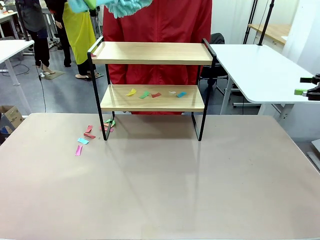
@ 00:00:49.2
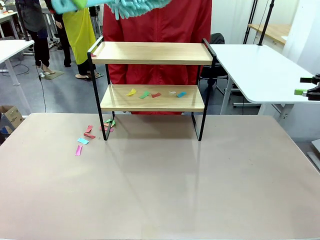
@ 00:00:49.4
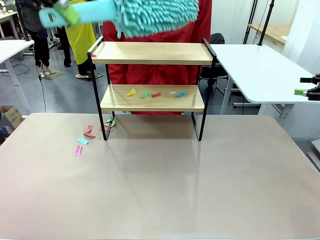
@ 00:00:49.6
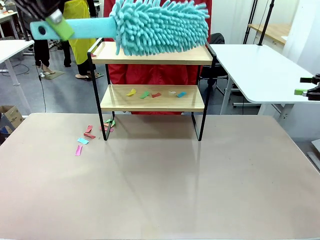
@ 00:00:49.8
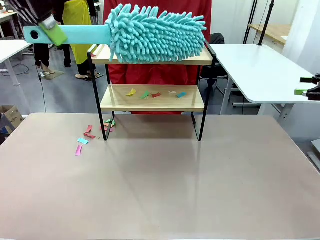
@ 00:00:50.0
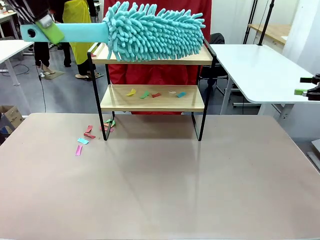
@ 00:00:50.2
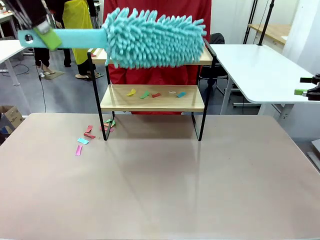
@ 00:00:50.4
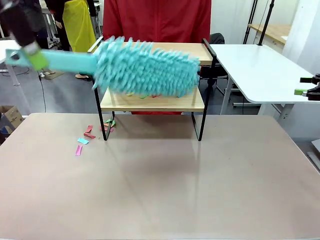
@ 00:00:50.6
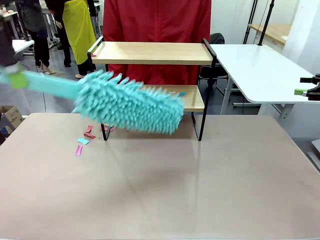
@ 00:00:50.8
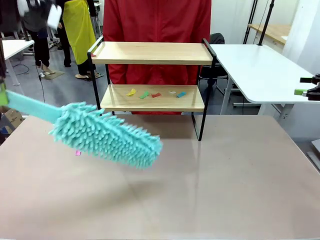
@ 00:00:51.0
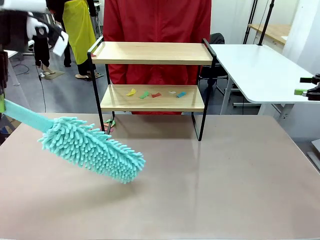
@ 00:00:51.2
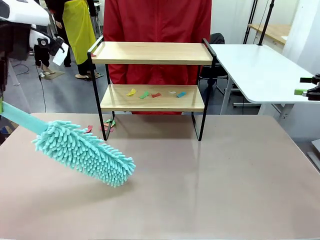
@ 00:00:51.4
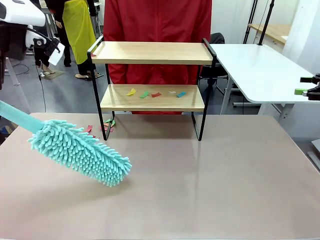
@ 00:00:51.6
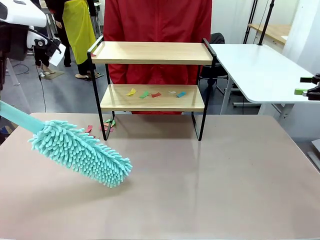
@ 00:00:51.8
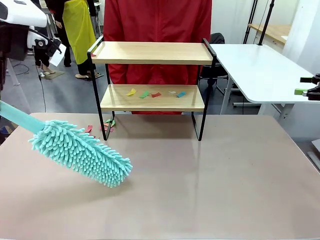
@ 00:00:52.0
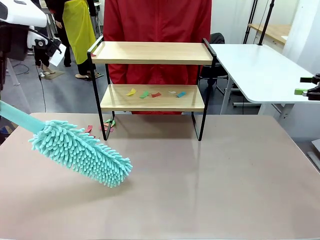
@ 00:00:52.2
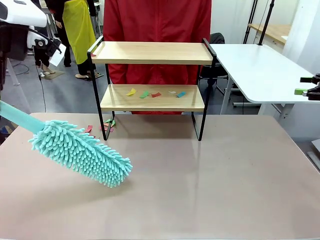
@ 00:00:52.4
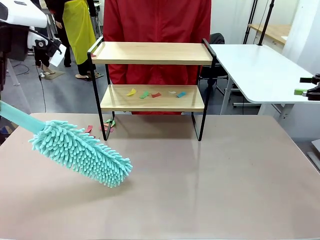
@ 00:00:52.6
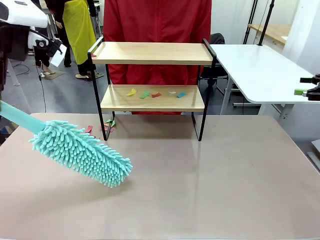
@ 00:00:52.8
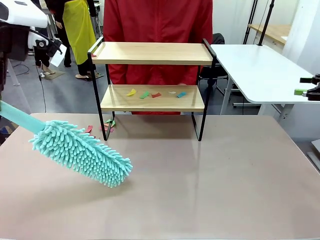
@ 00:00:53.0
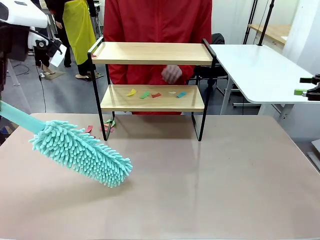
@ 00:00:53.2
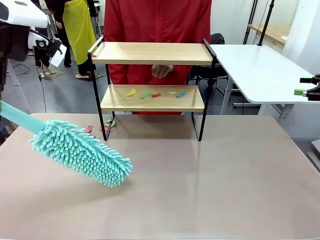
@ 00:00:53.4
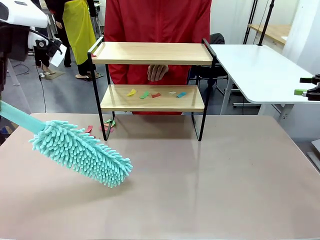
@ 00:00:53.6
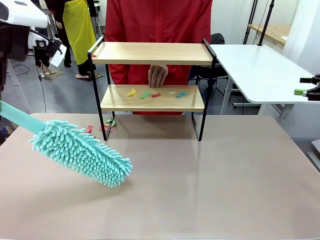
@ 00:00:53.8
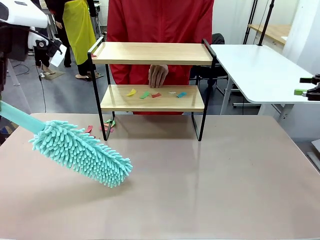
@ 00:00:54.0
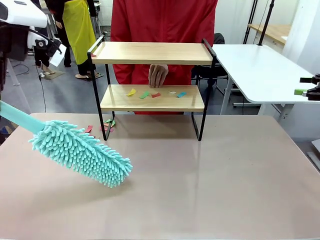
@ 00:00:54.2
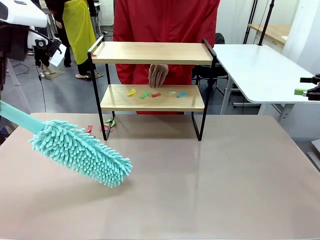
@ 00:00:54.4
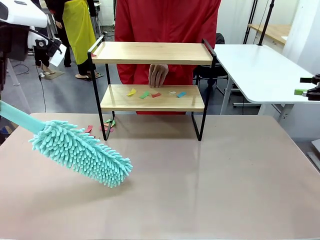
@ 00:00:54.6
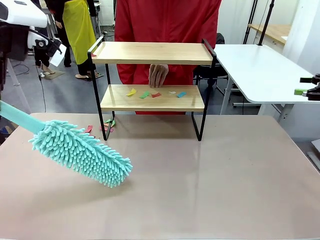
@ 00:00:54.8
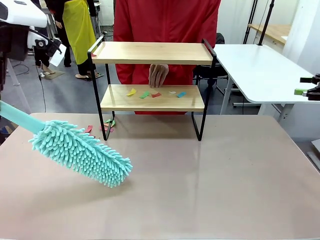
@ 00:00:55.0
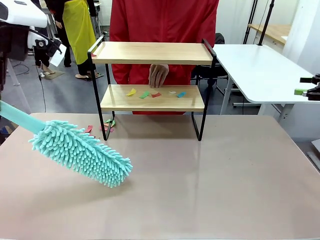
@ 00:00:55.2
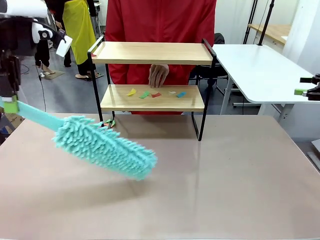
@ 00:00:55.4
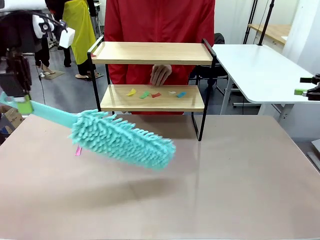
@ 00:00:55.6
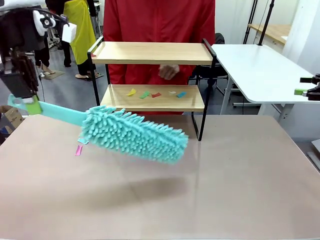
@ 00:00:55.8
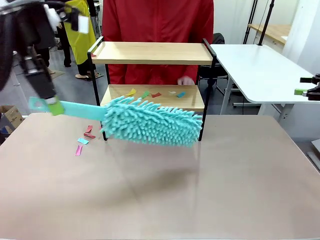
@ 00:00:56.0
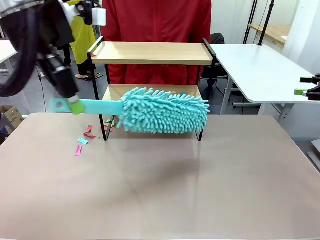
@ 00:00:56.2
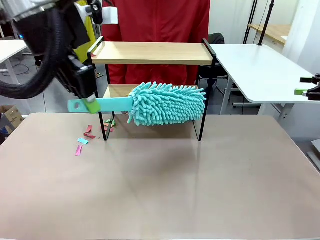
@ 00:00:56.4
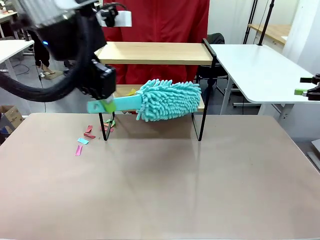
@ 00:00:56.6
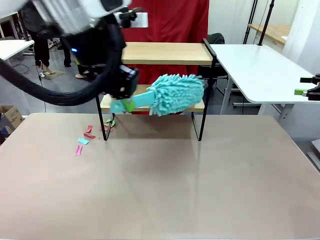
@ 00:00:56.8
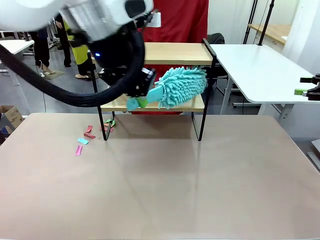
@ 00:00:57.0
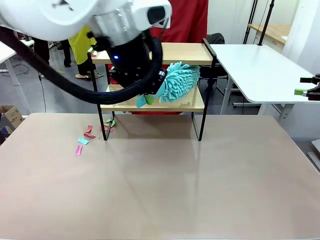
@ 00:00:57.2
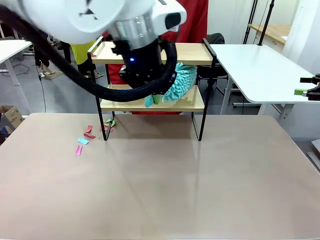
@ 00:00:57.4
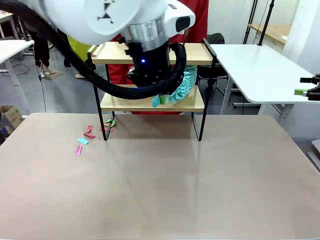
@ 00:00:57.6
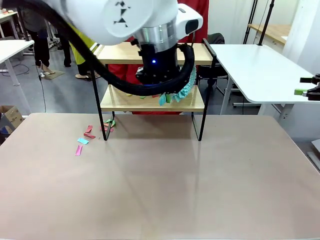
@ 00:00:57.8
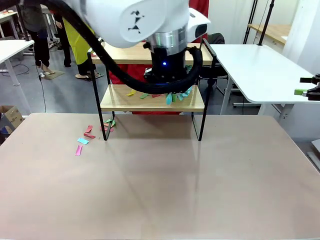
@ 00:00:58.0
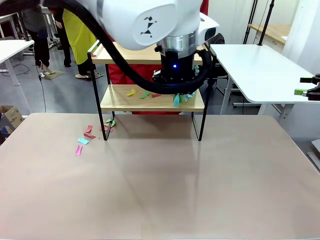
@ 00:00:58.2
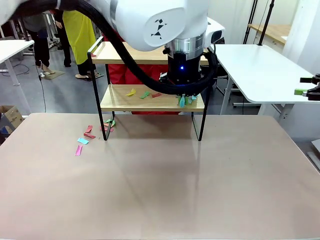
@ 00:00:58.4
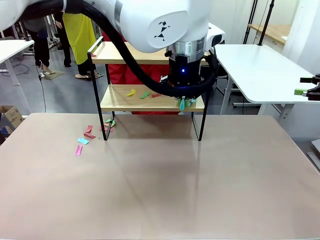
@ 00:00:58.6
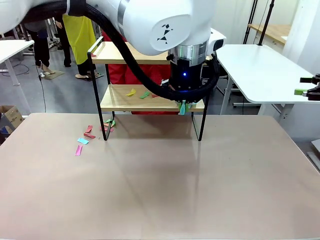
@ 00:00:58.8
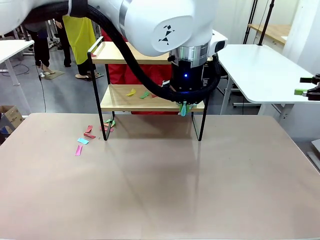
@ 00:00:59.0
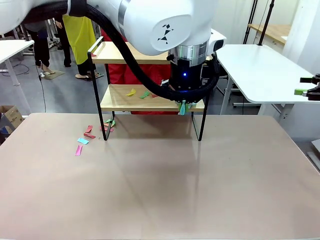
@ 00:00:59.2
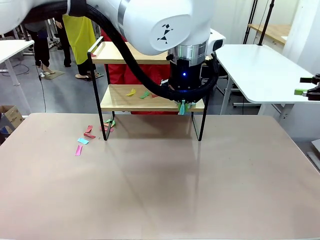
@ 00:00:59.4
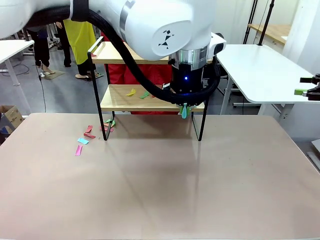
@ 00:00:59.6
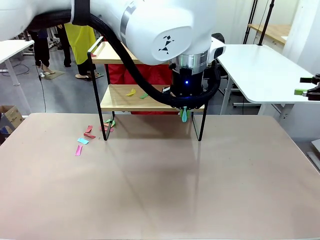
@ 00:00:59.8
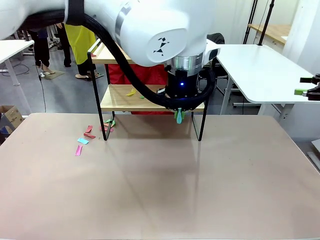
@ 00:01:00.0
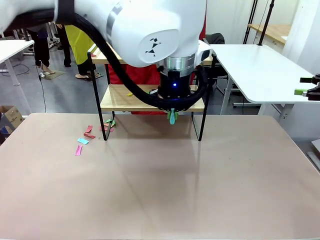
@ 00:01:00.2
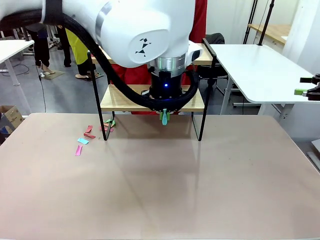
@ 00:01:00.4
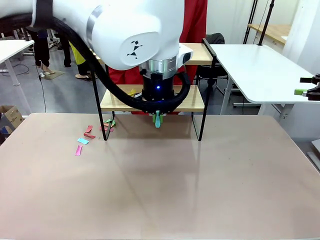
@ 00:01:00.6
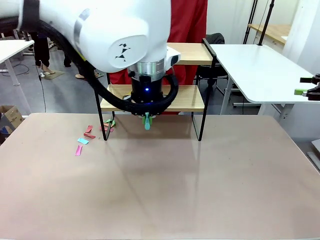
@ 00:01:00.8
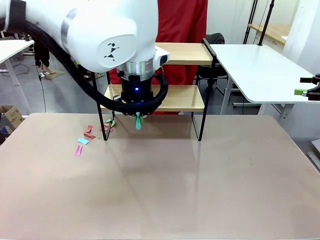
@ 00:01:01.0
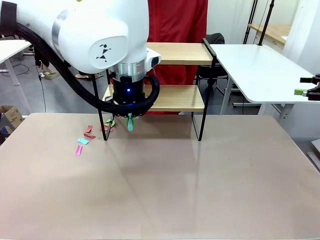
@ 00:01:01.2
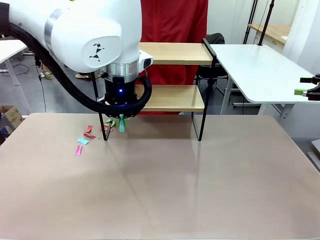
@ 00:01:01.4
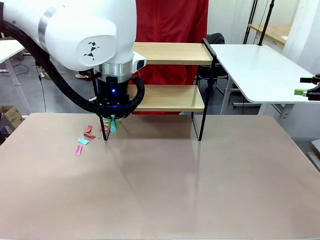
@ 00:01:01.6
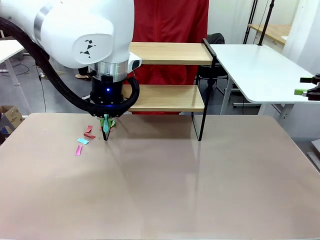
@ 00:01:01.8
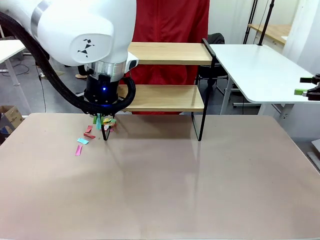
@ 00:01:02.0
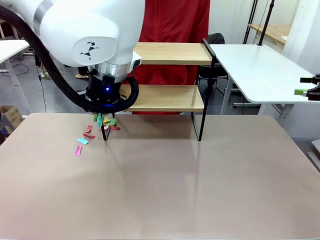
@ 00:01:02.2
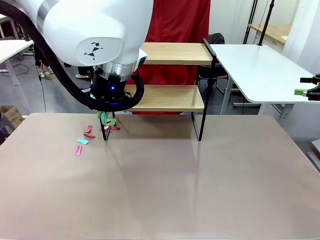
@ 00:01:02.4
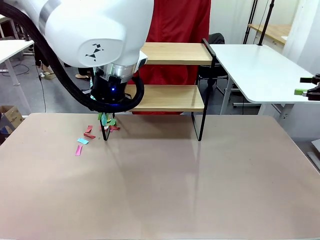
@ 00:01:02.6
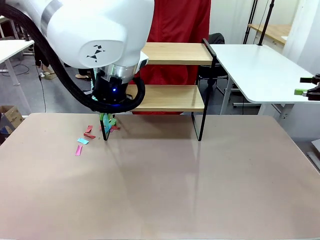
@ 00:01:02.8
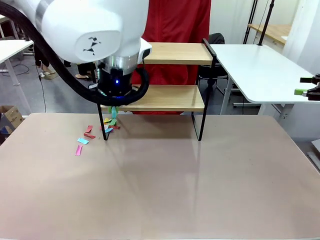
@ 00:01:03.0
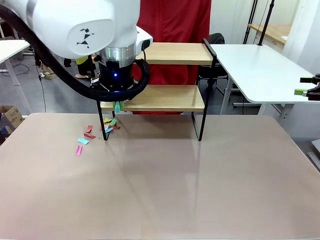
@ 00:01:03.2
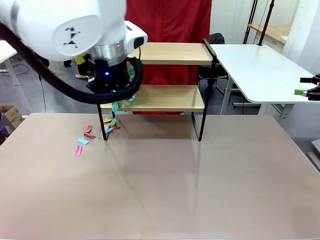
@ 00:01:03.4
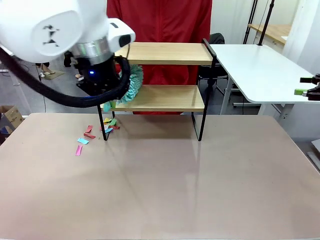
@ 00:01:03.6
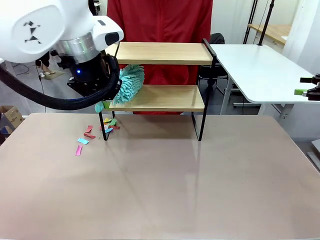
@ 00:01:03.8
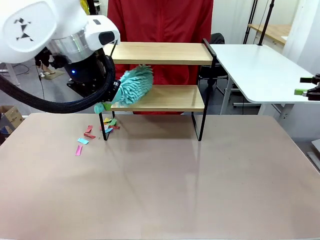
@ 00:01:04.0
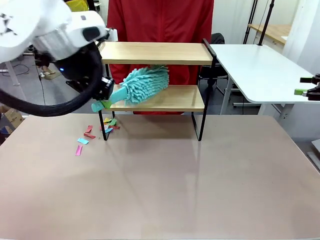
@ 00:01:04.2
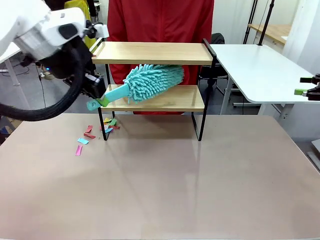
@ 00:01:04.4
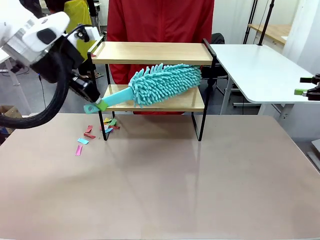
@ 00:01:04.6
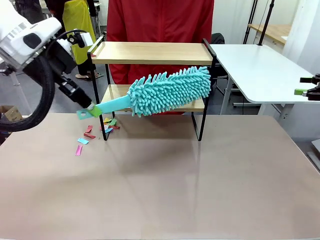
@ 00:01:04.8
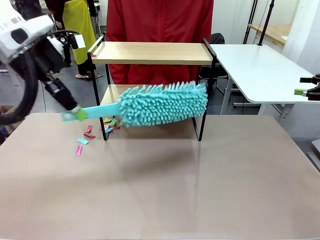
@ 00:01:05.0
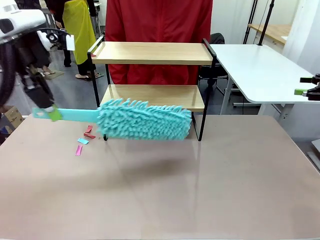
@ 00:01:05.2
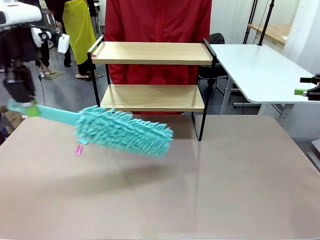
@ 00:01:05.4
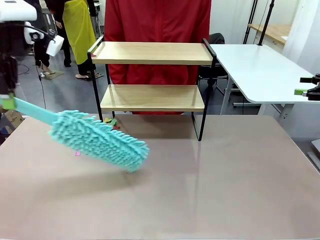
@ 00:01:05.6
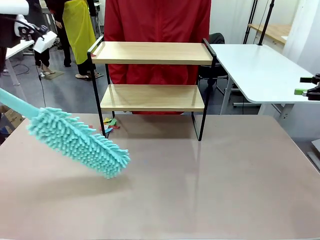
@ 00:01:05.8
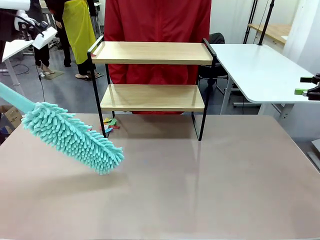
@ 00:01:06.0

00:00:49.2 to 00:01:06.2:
Task: Clean the shelf.
Robot: Clean the specific section of the Shelf indicated by the human with the Duster.
